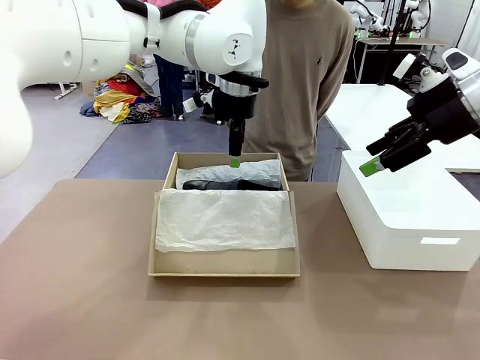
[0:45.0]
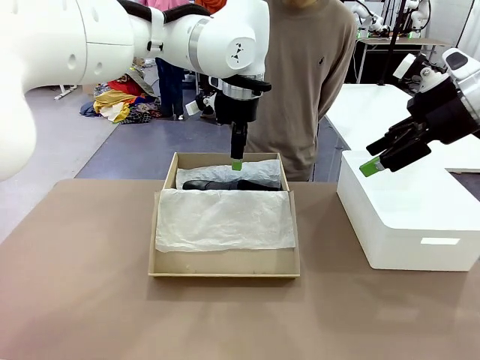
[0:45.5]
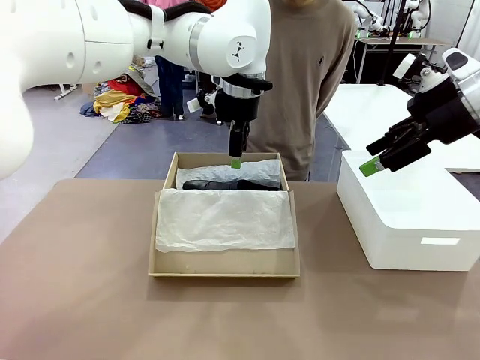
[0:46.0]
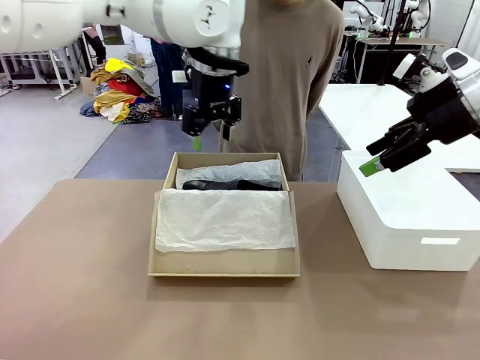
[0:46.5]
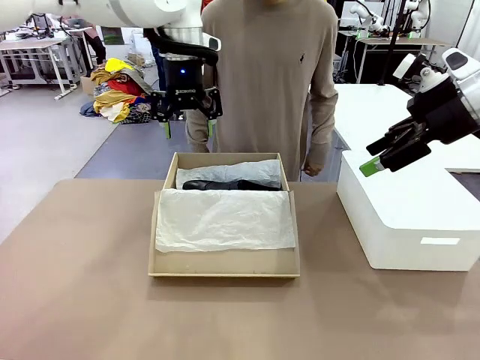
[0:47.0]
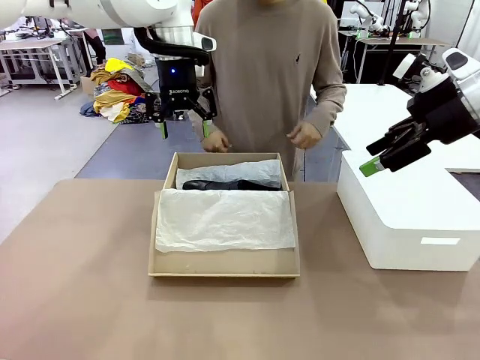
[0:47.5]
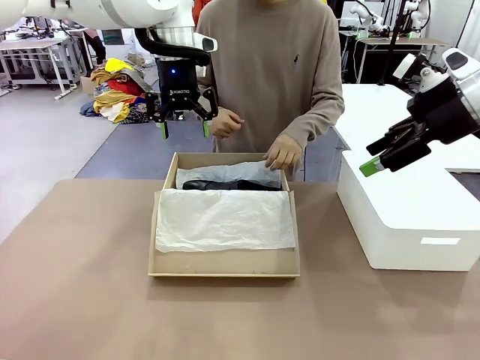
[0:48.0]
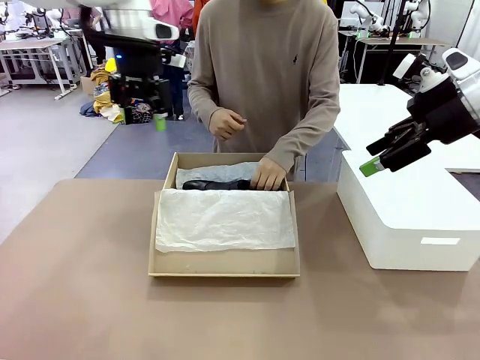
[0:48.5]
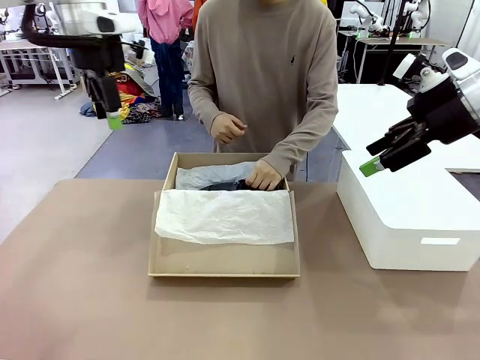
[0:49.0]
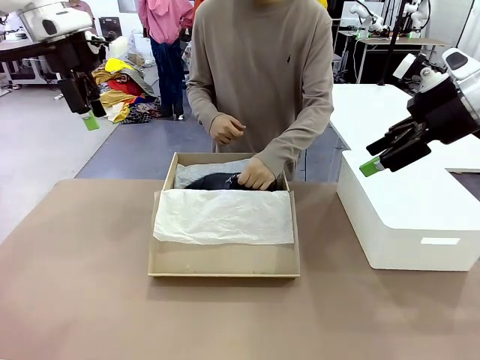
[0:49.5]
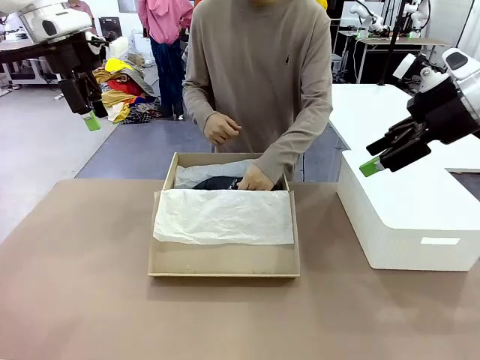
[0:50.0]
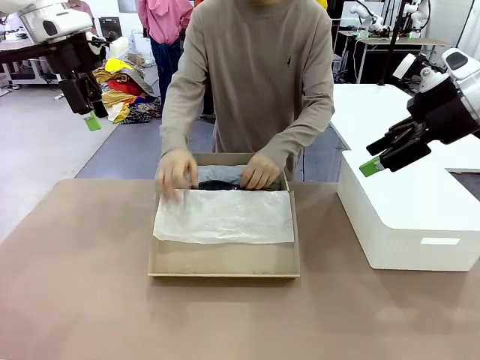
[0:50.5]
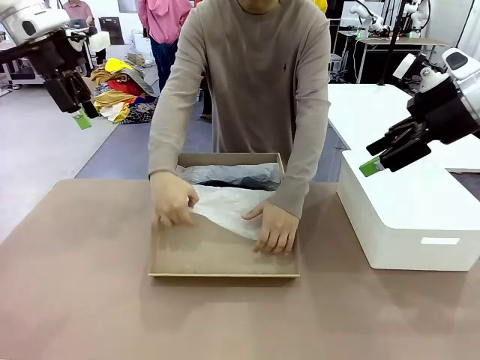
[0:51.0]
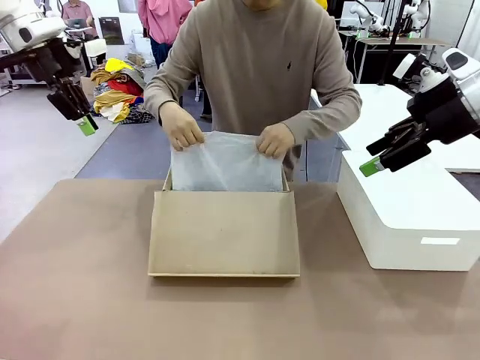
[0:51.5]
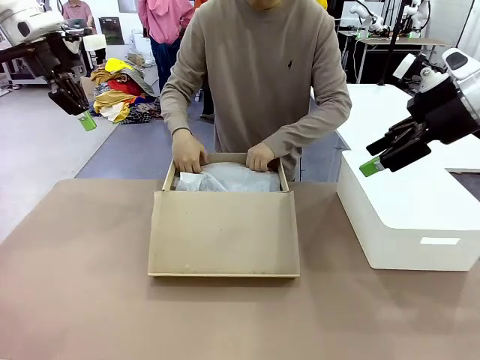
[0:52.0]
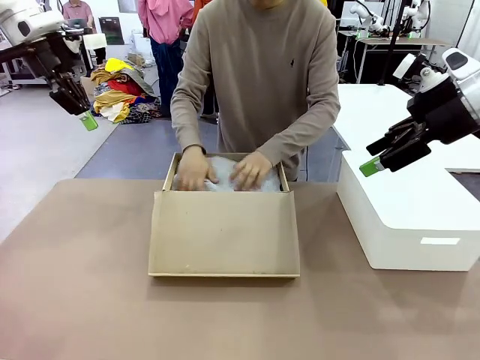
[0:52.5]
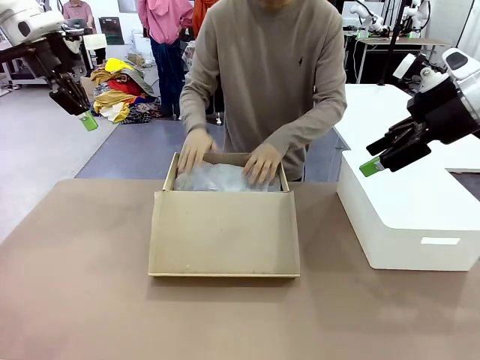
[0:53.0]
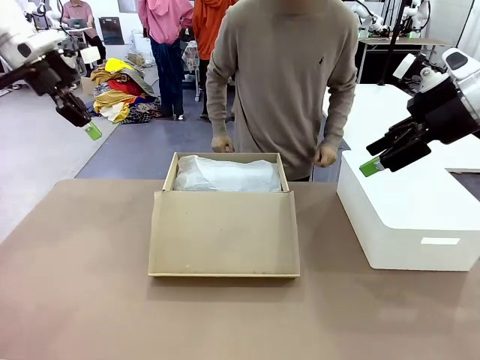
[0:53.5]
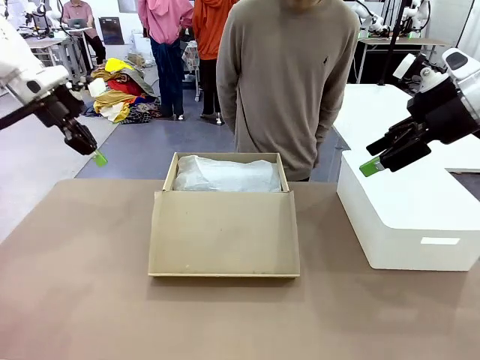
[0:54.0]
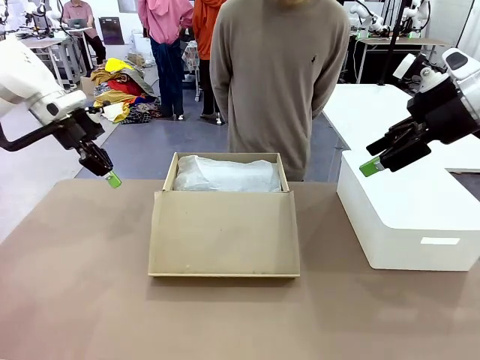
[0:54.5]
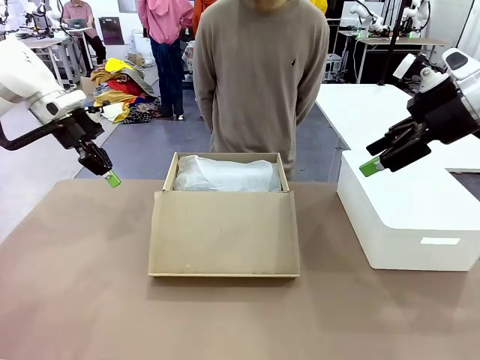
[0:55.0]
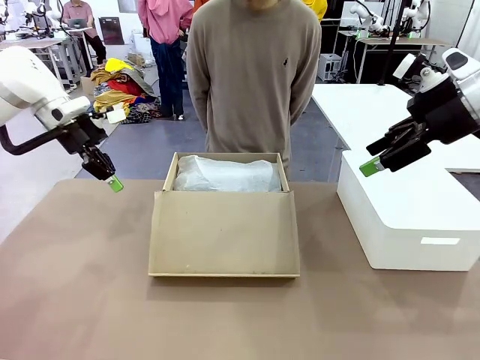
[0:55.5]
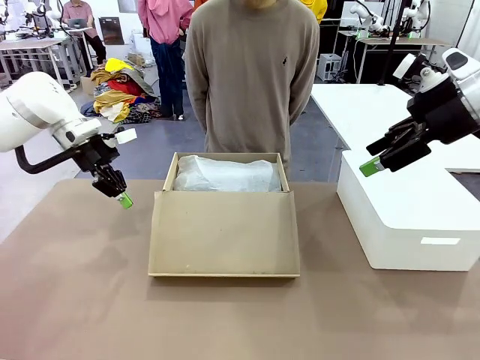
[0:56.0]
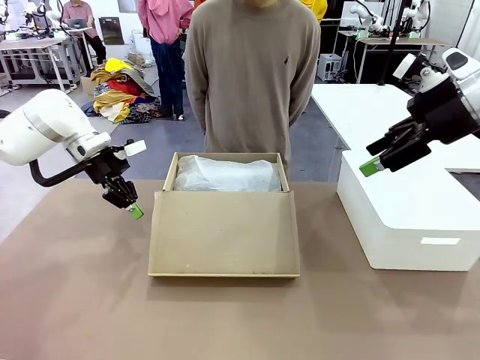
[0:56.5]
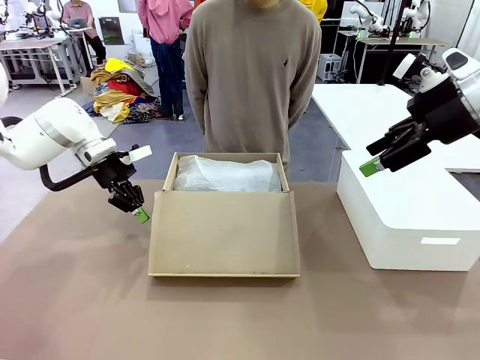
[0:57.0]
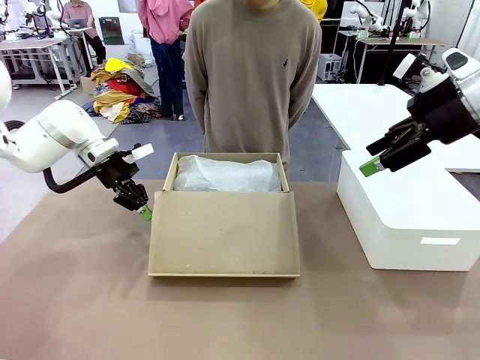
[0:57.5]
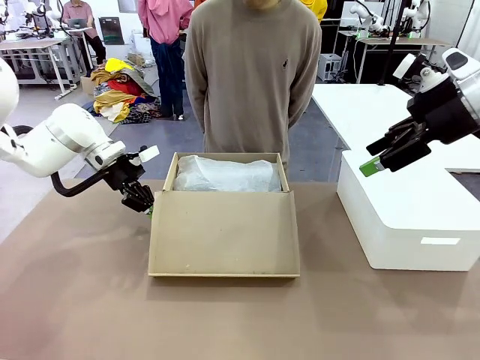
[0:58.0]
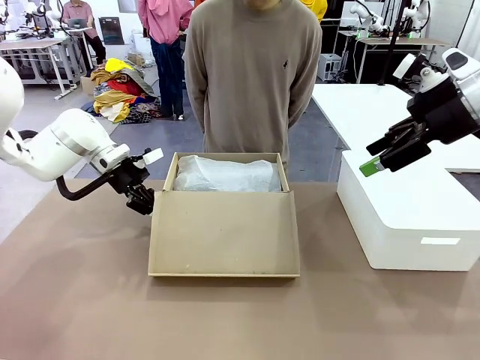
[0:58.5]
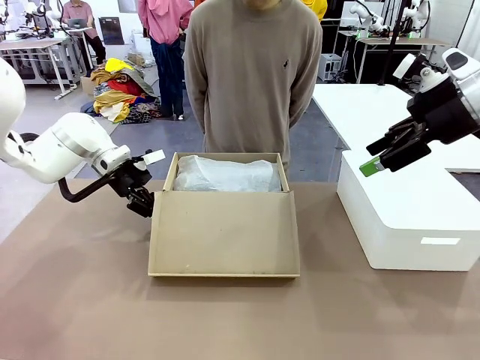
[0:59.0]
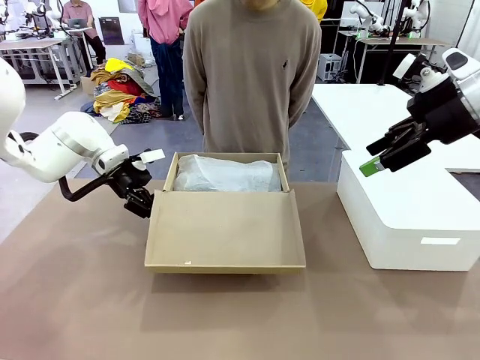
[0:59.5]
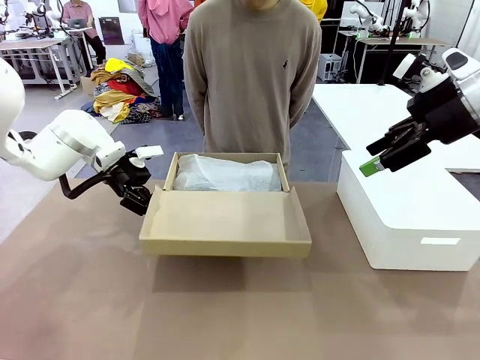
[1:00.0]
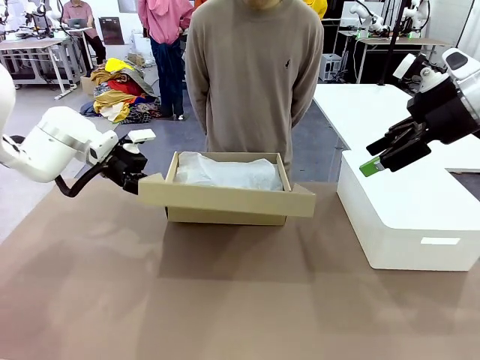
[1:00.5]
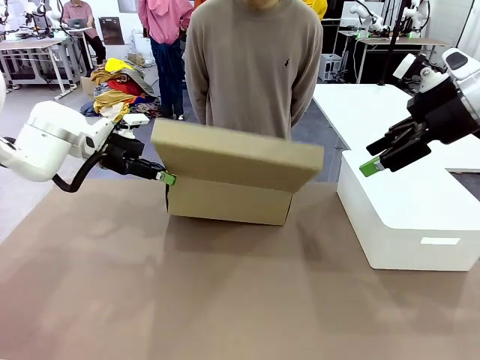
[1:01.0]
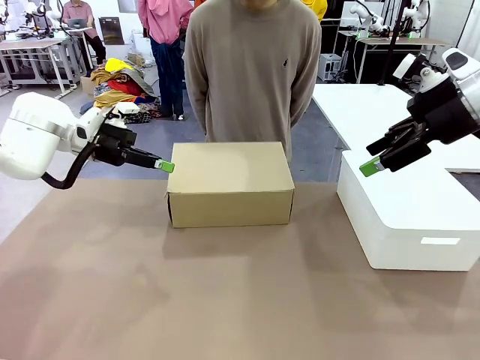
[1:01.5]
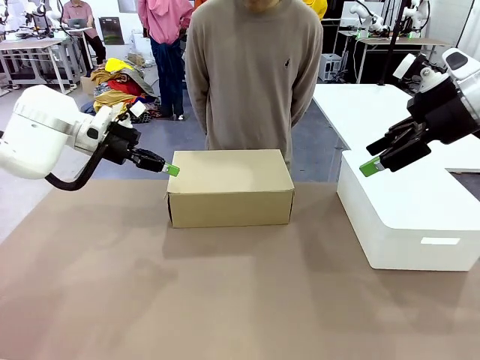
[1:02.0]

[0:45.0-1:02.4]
Task: Pack the shoes into the box.
Robot: Close the Shoes Box.

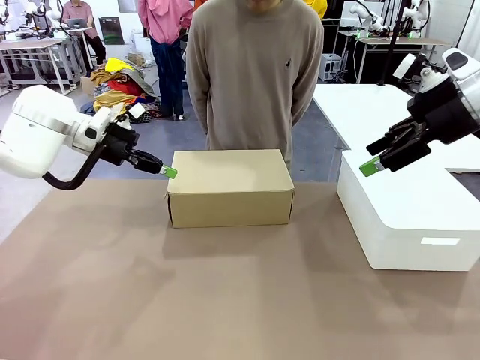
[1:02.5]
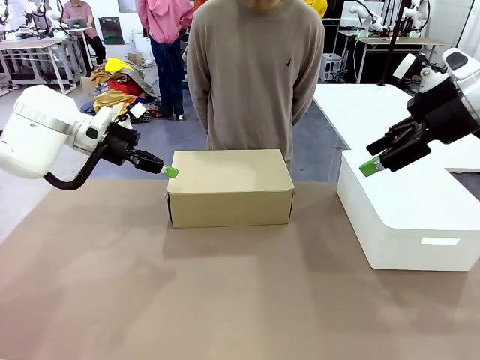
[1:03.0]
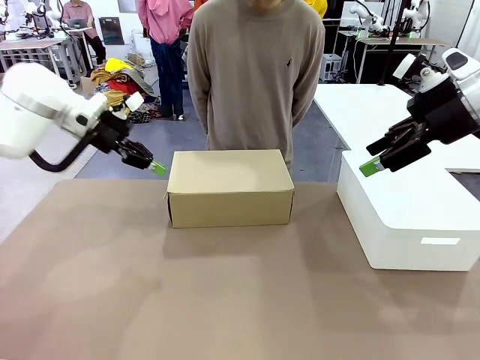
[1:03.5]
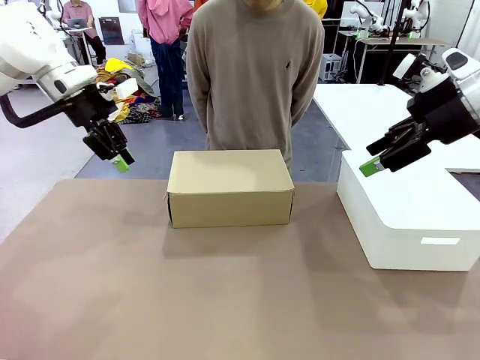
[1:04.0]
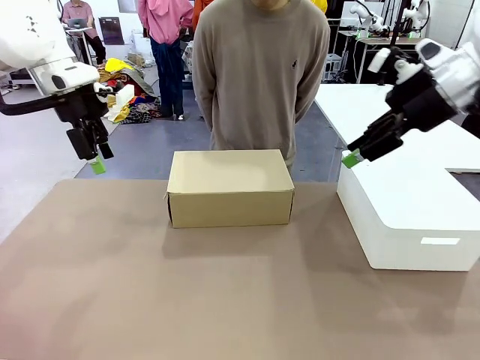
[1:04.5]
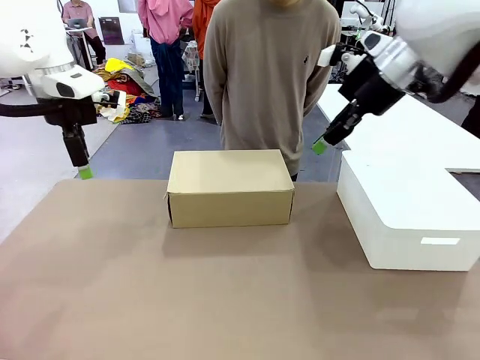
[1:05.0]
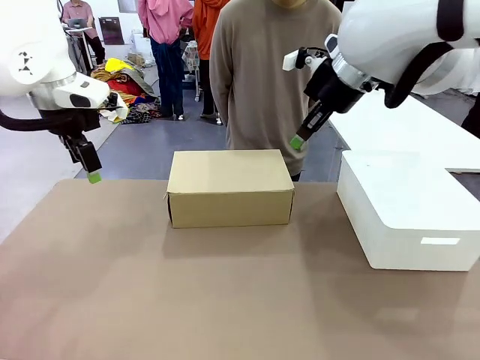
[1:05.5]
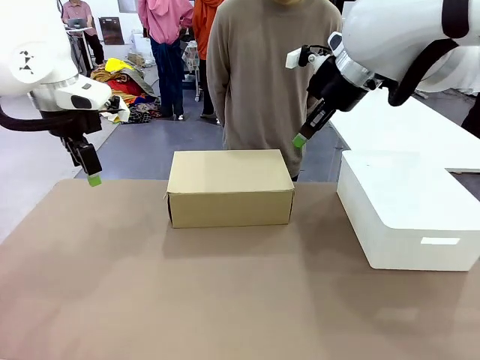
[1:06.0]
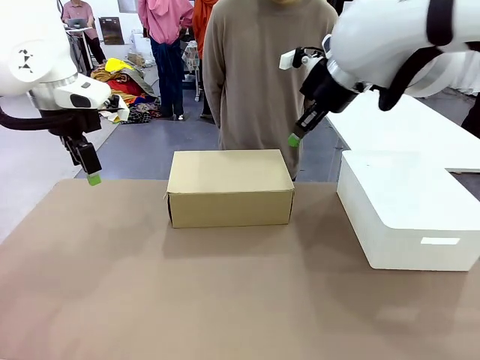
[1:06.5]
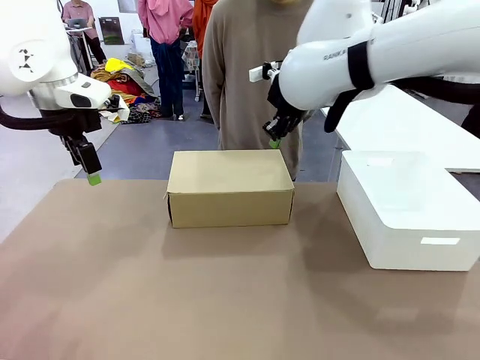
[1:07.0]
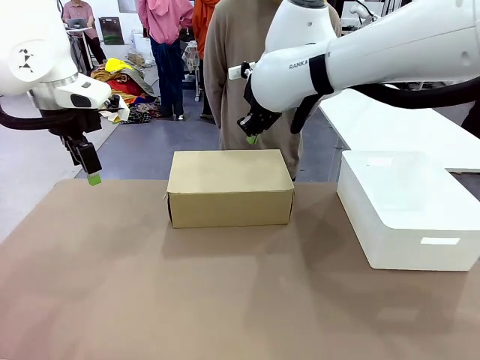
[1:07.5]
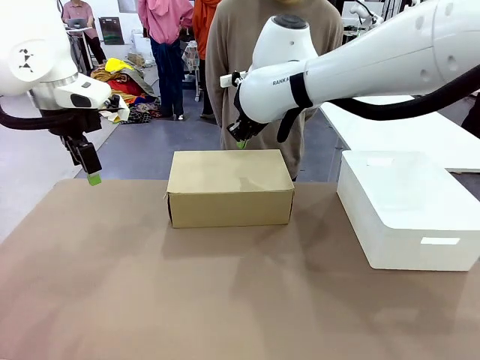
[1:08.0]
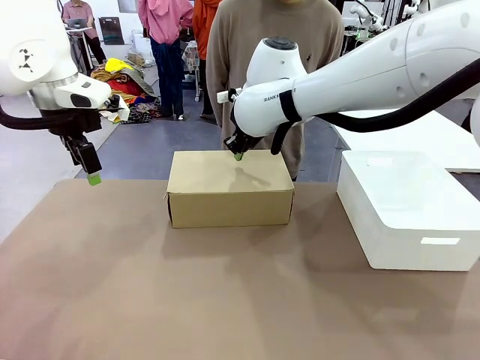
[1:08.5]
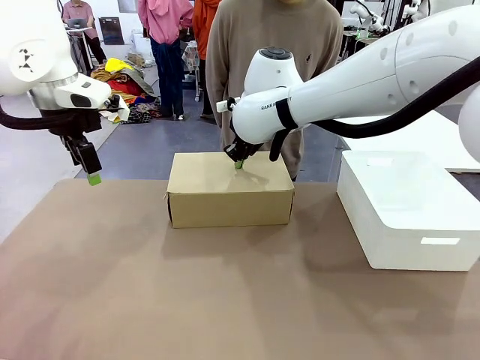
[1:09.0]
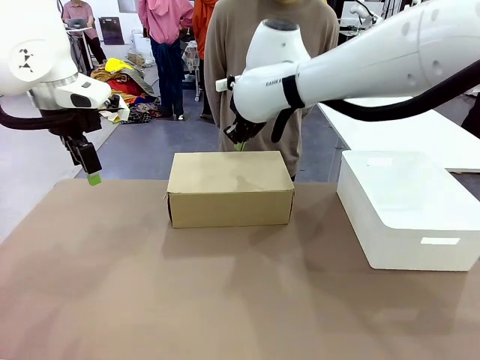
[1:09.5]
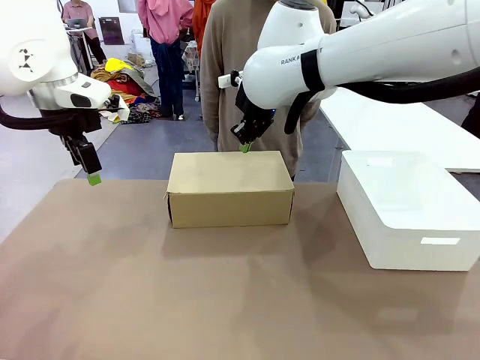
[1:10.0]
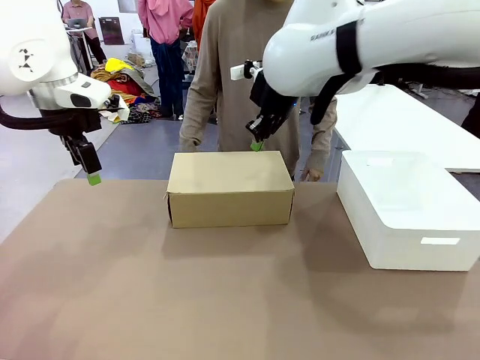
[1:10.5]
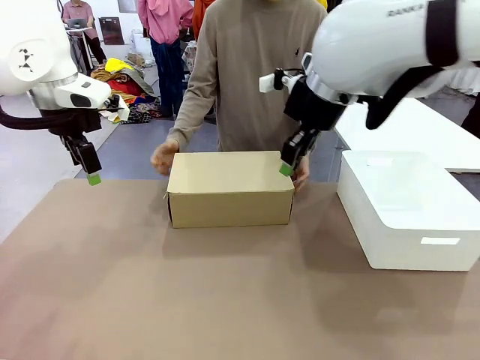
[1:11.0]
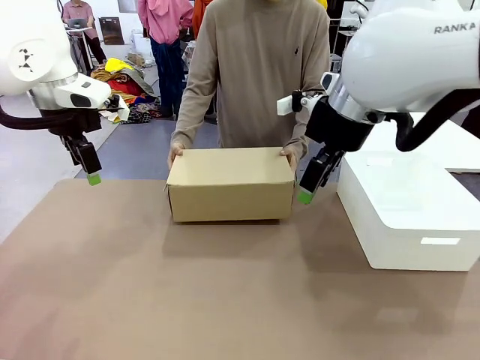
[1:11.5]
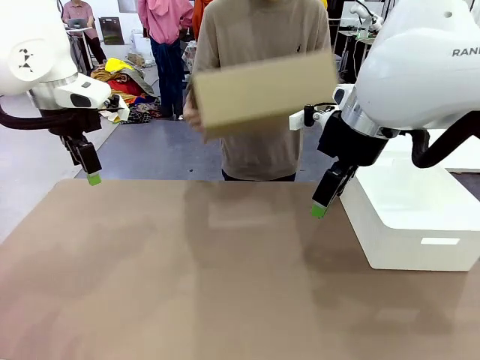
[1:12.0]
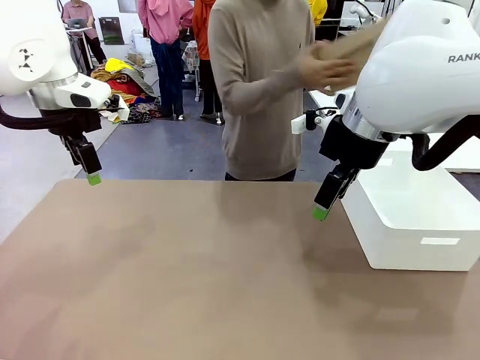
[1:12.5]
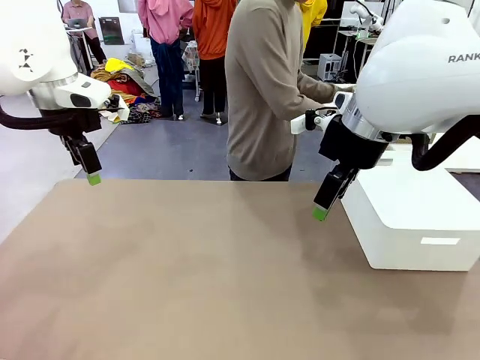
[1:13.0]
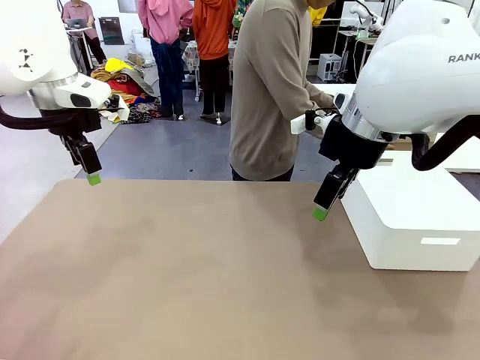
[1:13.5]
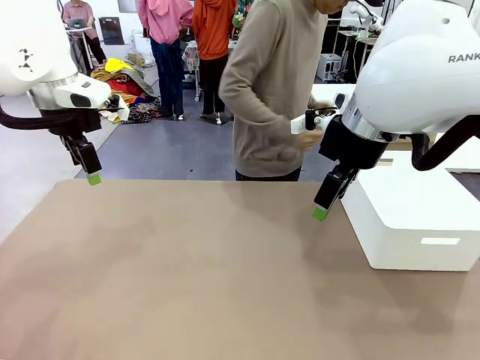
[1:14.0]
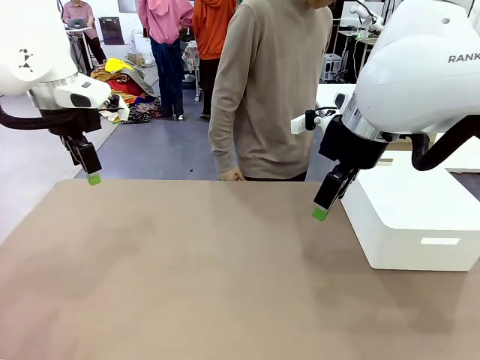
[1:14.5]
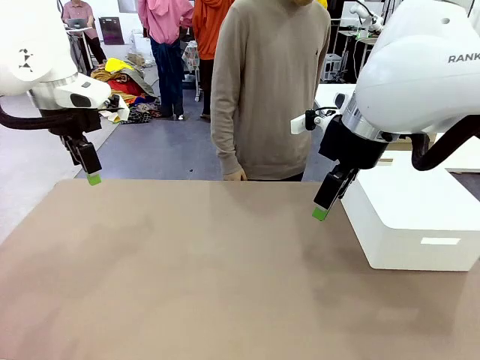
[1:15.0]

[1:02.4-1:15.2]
Robot: Press down on the lid of the Shoes Box.
Person: Place the closed Shoes Box to the right side of the human table.
